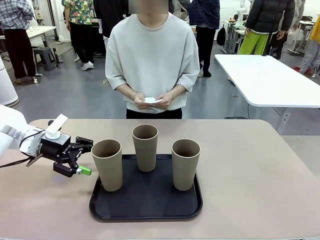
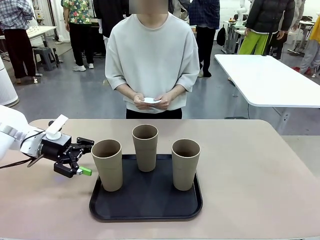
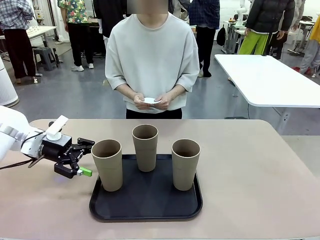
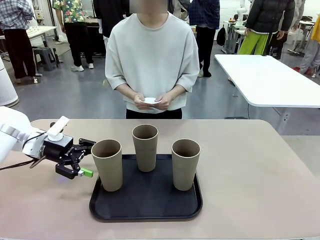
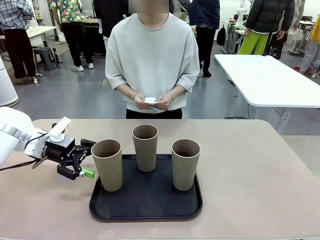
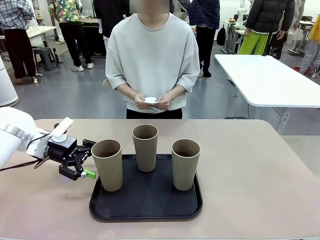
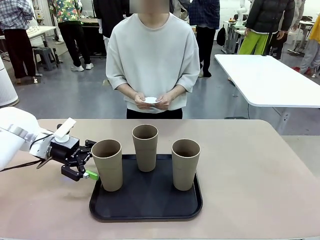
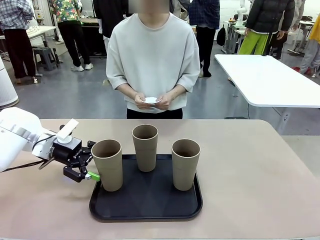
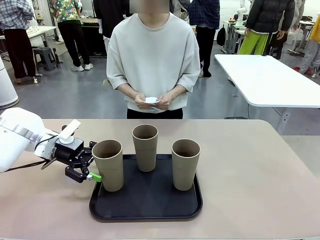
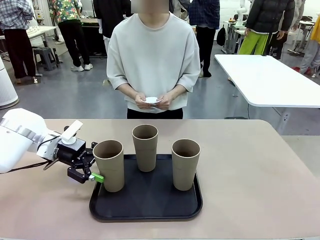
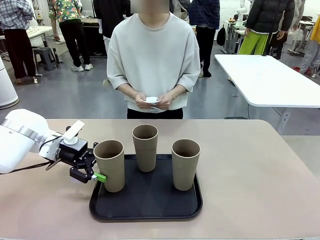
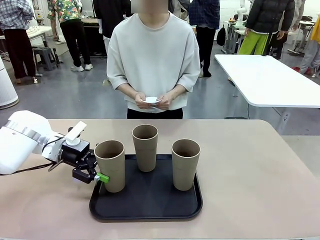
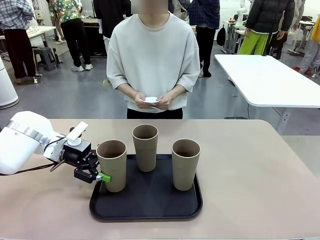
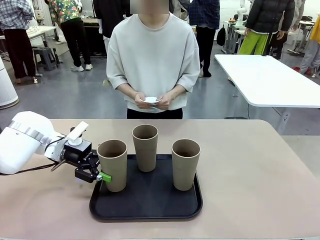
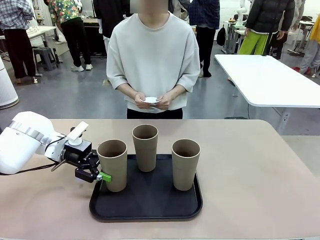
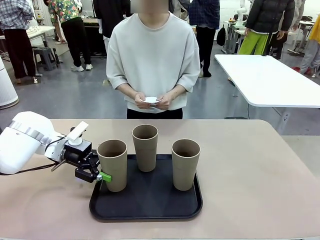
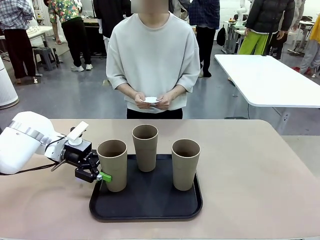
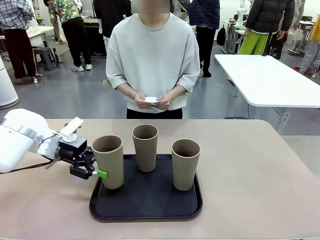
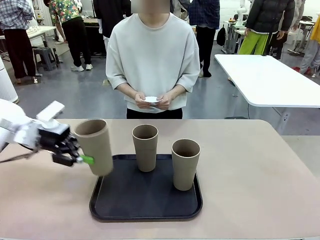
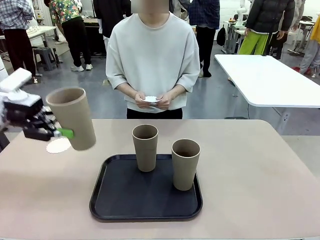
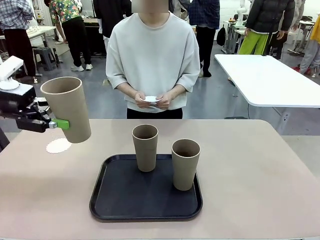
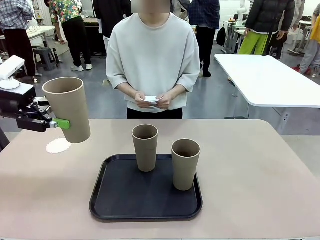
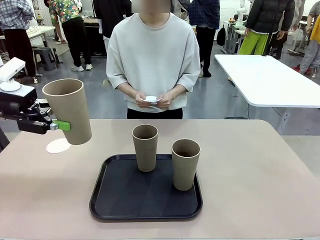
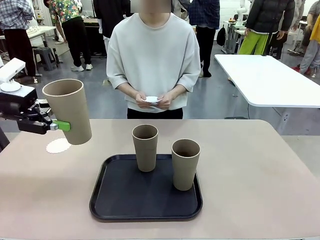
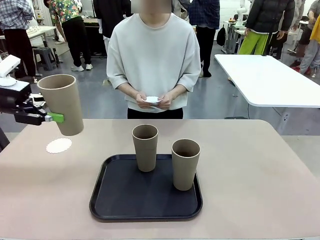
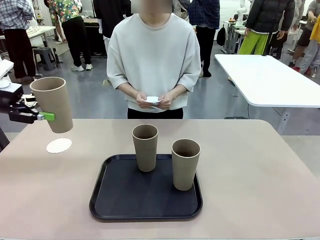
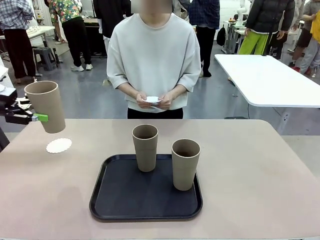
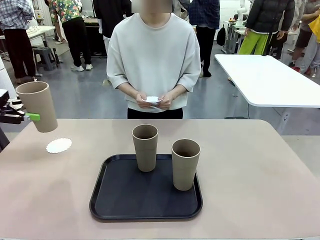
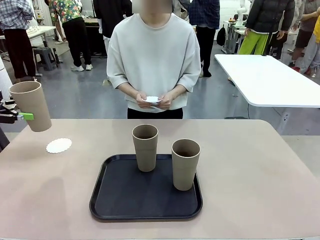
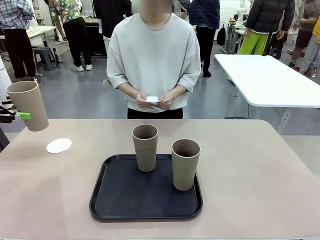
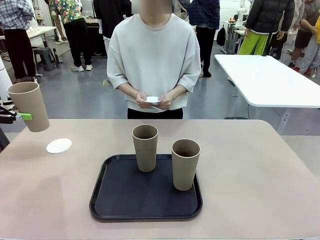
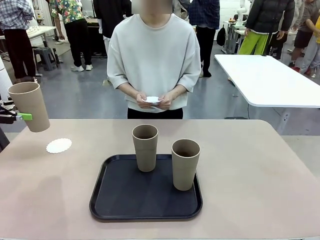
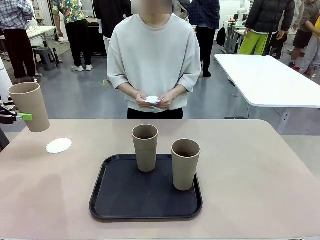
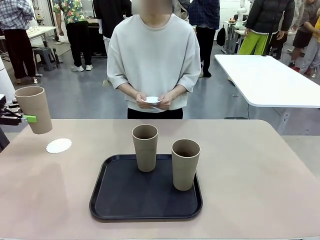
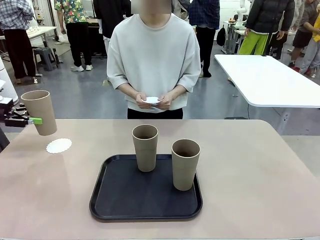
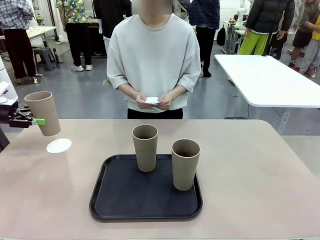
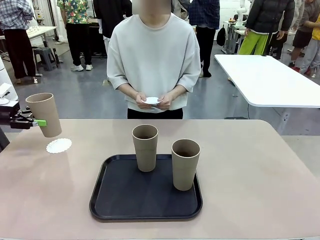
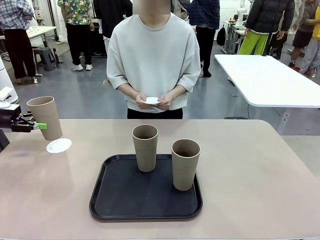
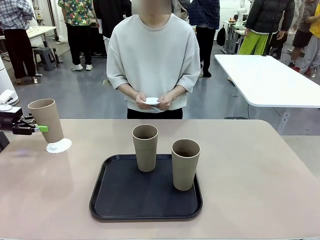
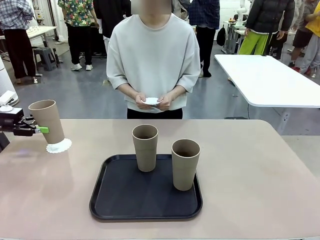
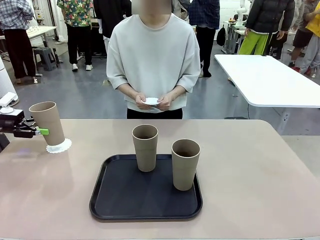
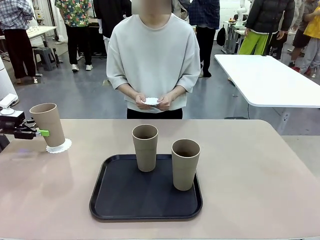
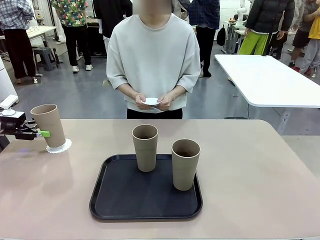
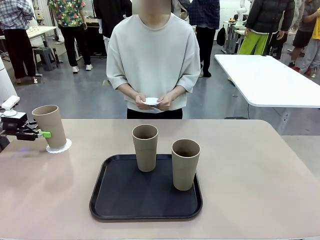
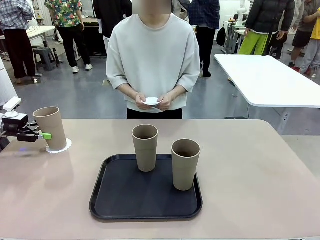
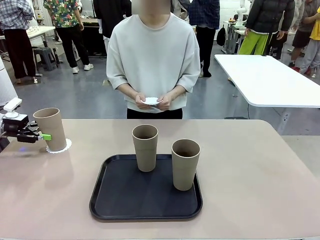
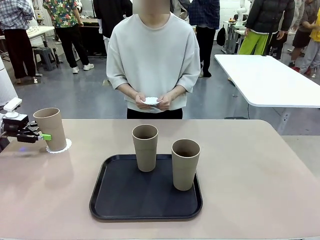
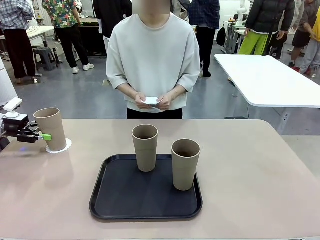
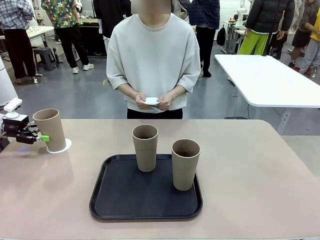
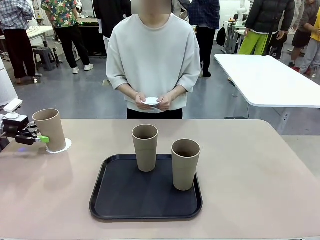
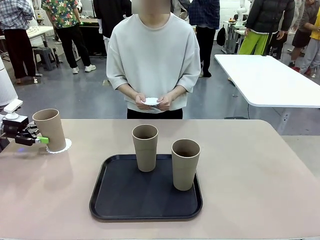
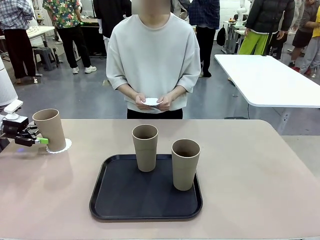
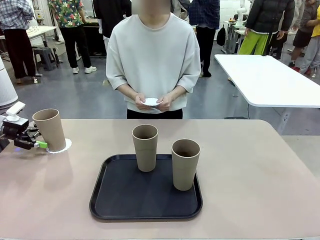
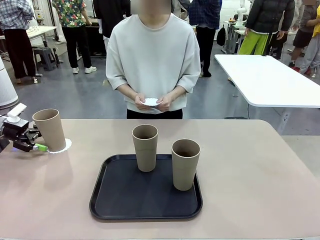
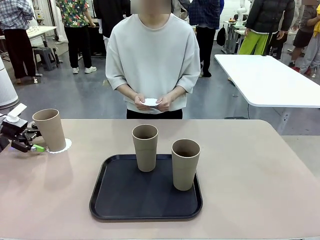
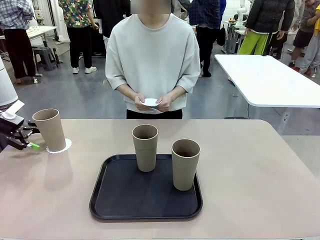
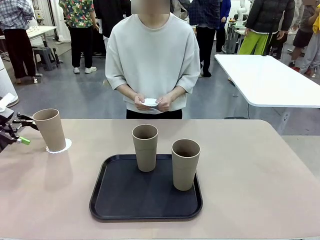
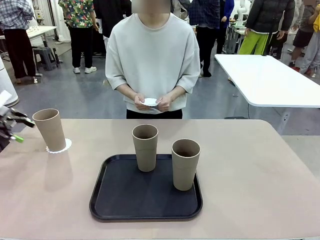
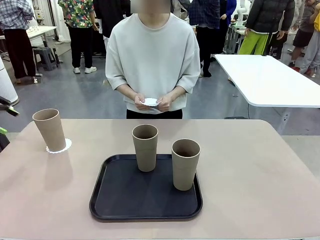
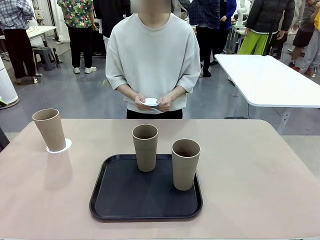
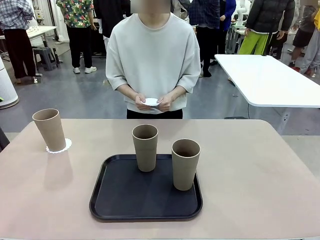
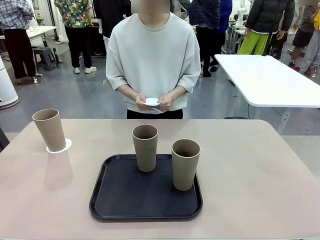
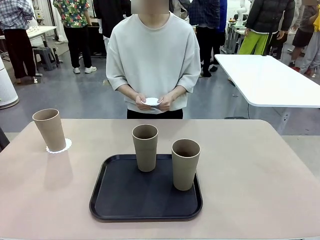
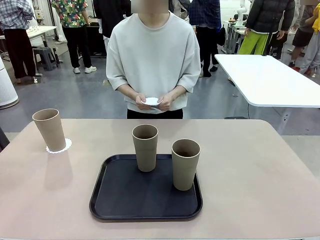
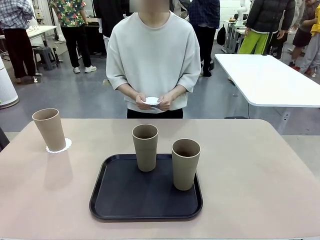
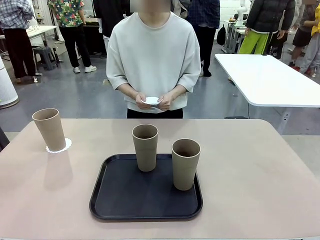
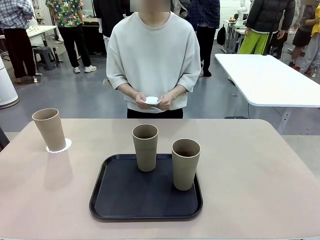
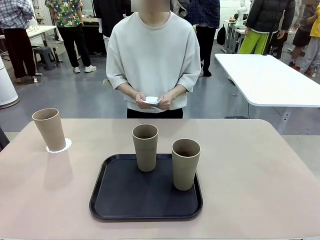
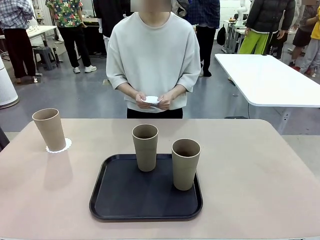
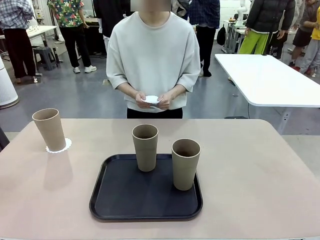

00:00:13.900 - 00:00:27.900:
Task: Place coasters on the table and set cups on them.
Robot: Pick up one Reusable plastic cup and place it on a coaster set by the human.
Person: Place one coaster in one of the two areas excluding the previously selected area.

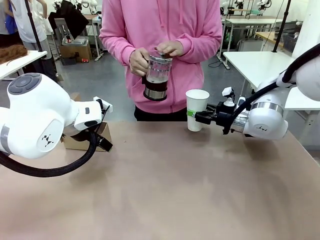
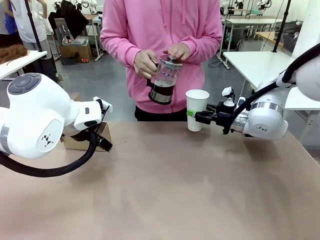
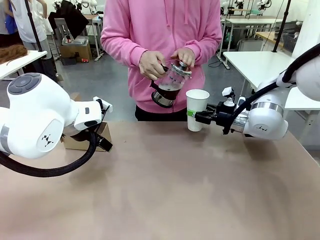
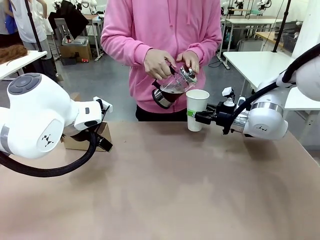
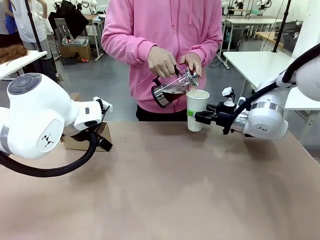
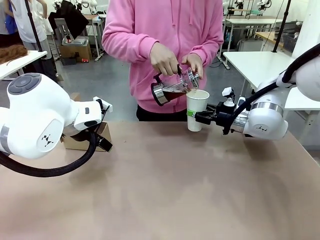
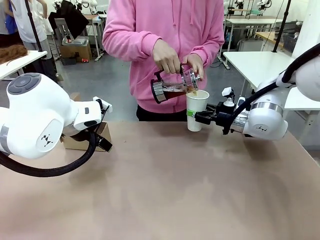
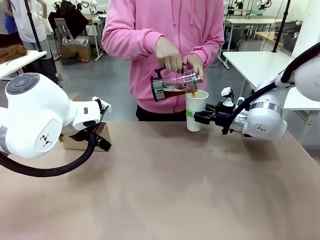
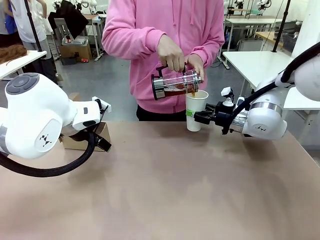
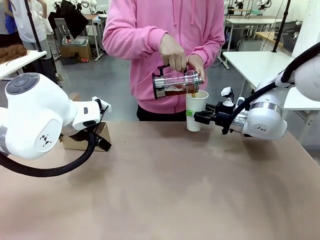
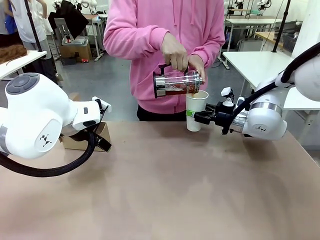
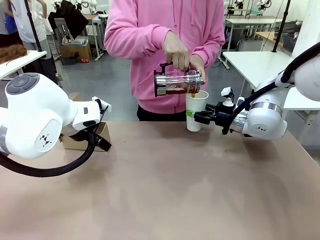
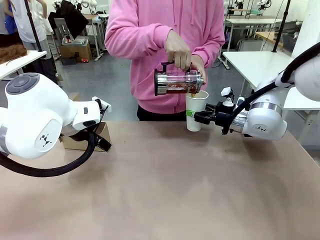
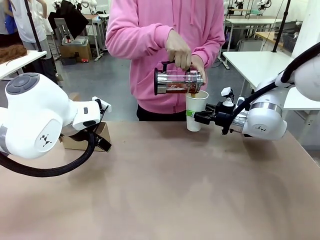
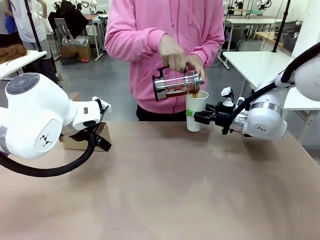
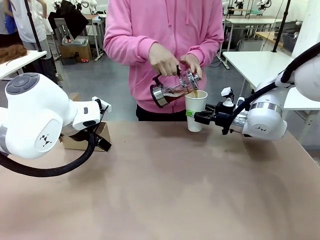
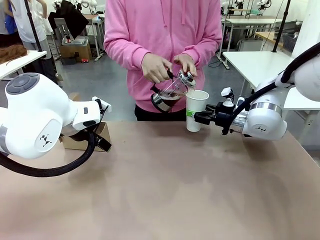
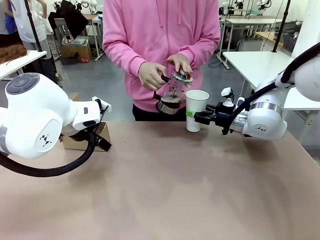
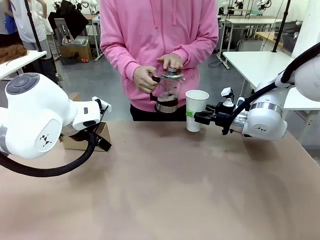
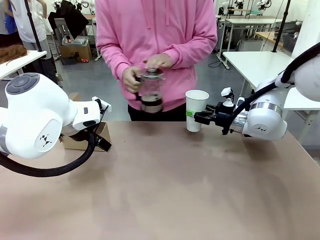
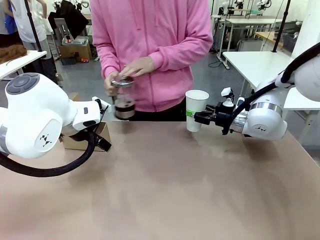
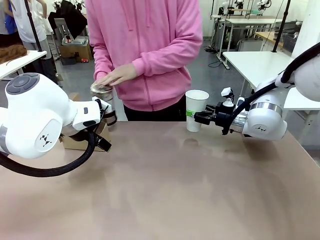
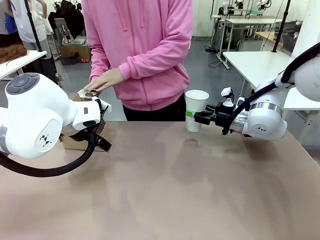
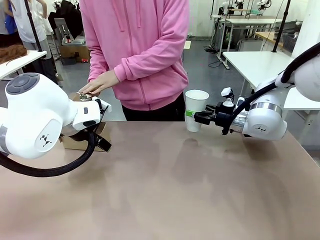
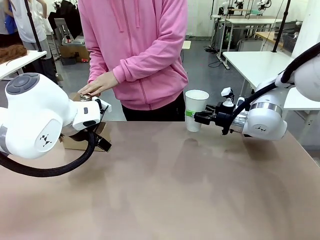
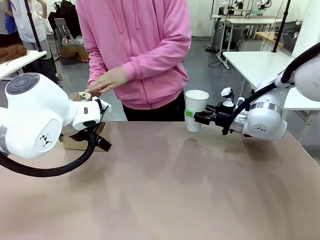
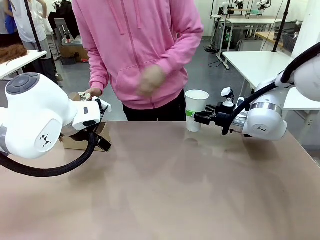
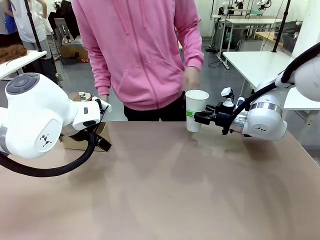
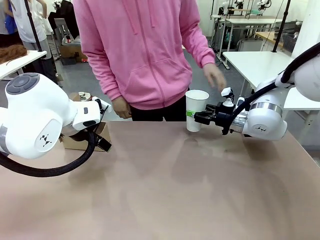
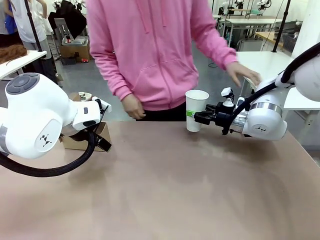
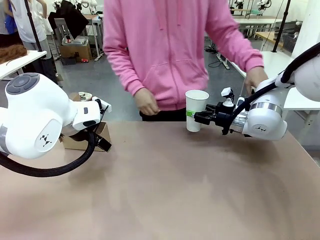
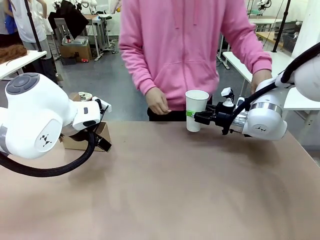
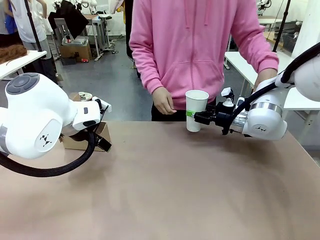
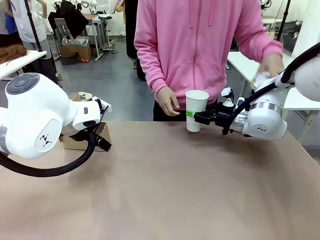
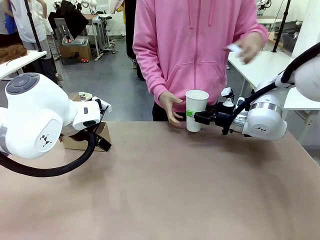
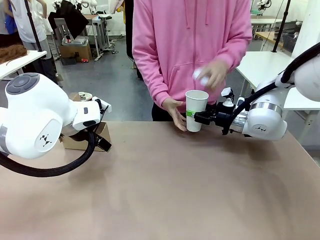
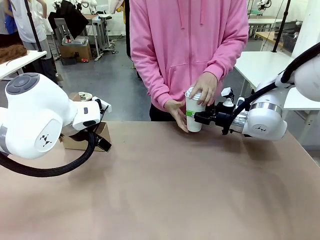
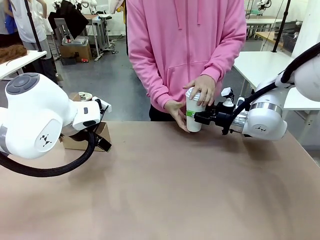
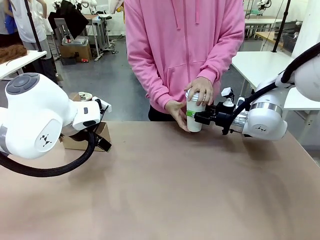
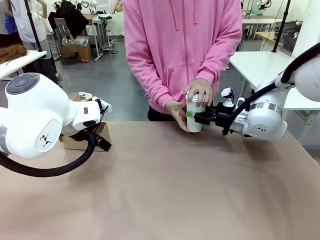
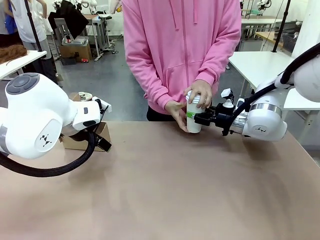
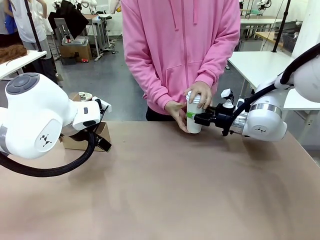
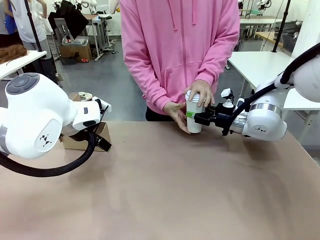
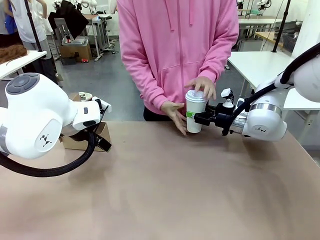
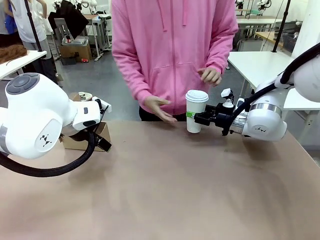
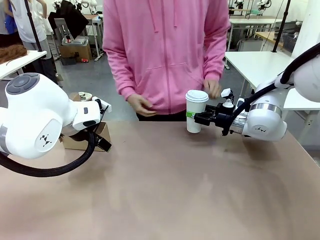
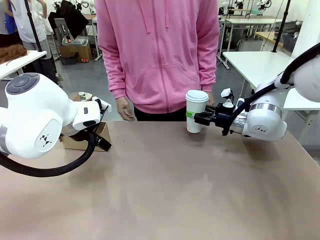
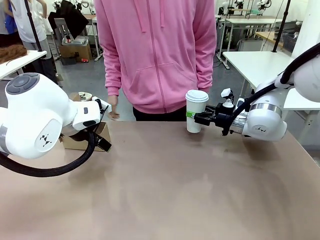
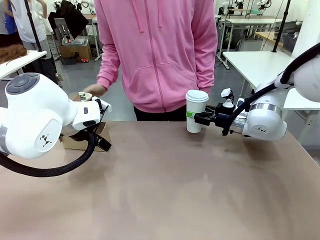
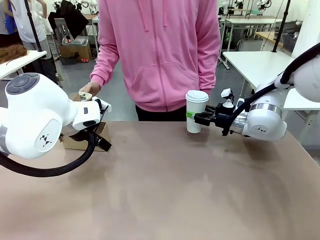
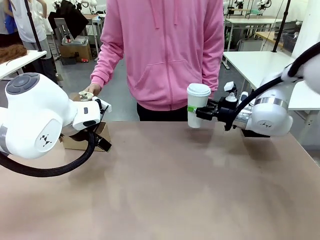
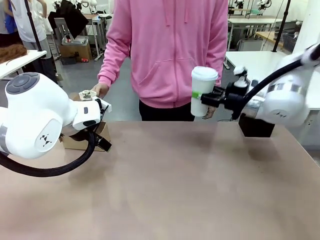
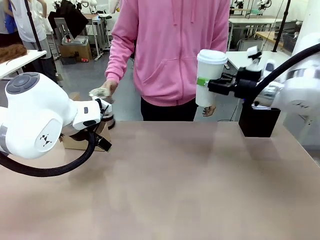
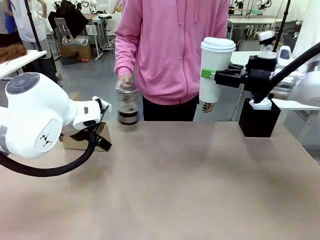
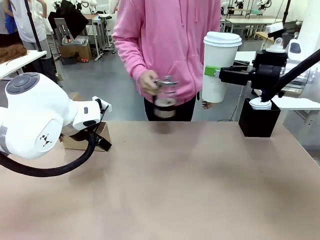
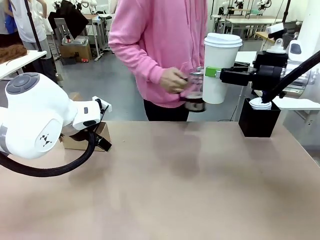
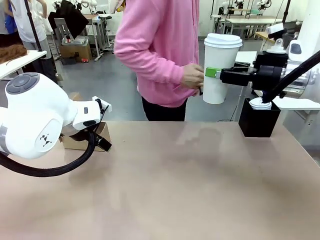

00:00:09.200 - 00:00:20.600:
Task: Pour a drink into a cup and package it in a carrier.
Robot: When a person places the Paper Cup Lid on the 600 ml Paper Cup , lift the 600 ml Paper Cup.
Person: Pour the drink from the Filter Brewing into the 600 ml Paper Cup. Place a Paper Cup Lid on the 600 ml Paper Cup.
